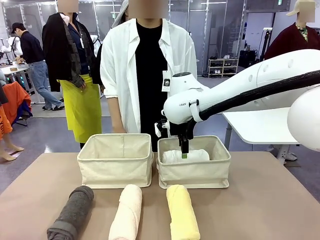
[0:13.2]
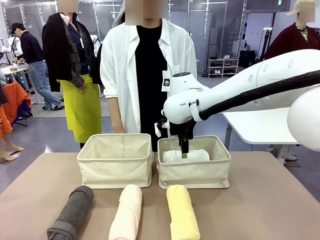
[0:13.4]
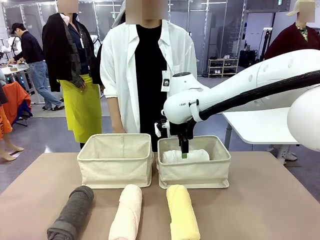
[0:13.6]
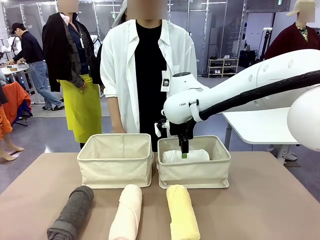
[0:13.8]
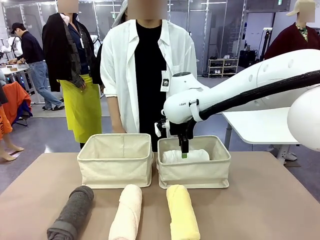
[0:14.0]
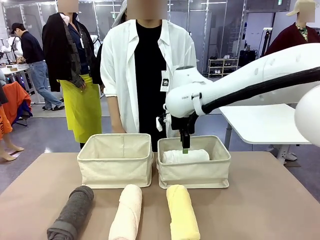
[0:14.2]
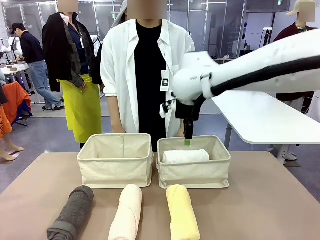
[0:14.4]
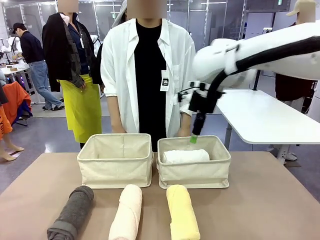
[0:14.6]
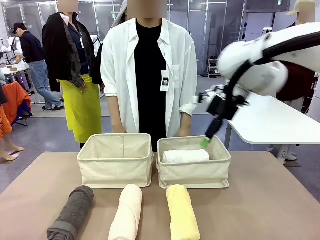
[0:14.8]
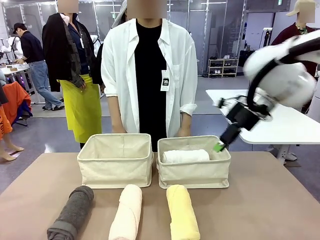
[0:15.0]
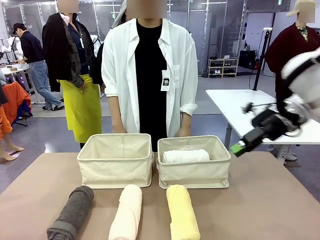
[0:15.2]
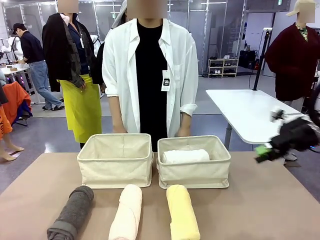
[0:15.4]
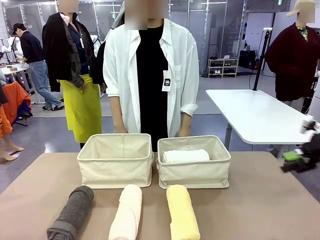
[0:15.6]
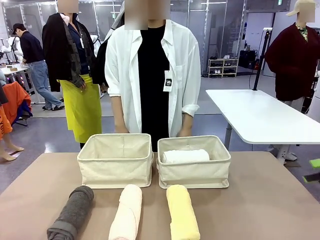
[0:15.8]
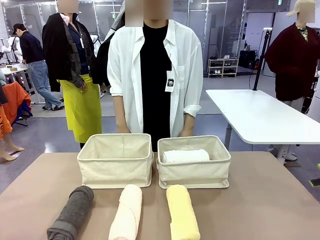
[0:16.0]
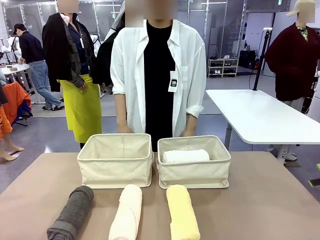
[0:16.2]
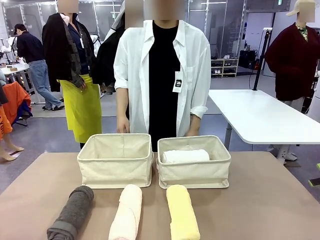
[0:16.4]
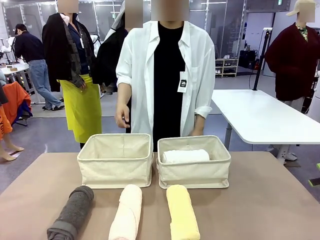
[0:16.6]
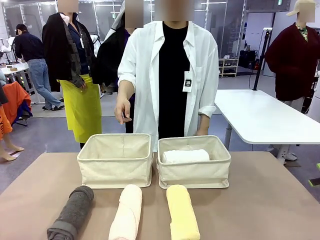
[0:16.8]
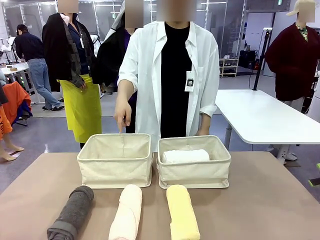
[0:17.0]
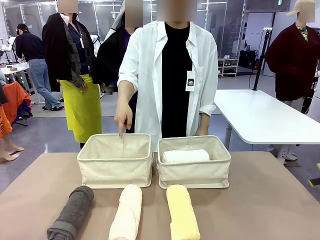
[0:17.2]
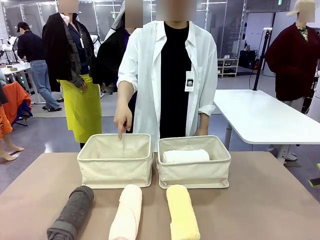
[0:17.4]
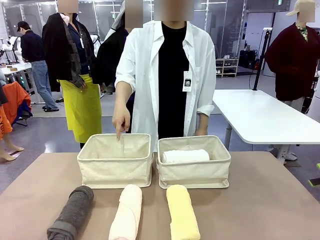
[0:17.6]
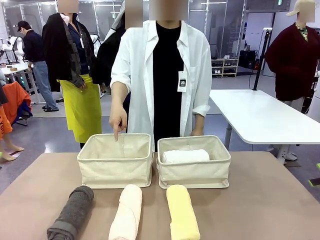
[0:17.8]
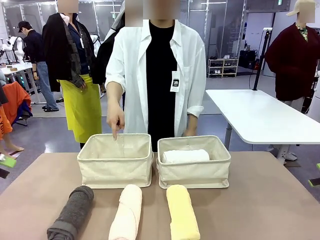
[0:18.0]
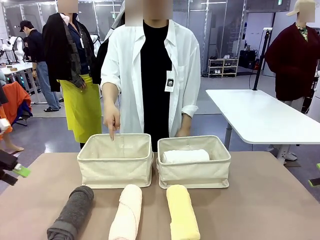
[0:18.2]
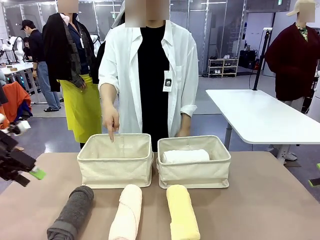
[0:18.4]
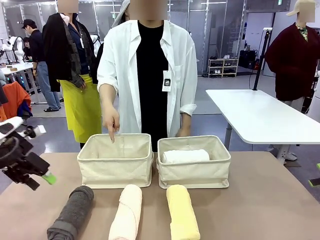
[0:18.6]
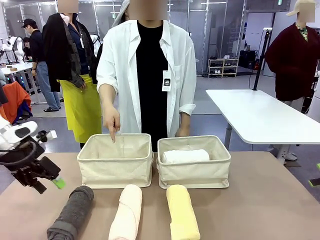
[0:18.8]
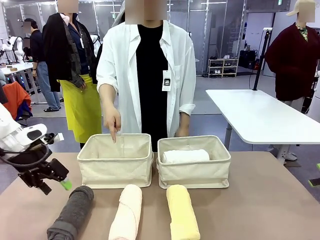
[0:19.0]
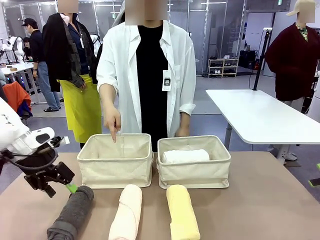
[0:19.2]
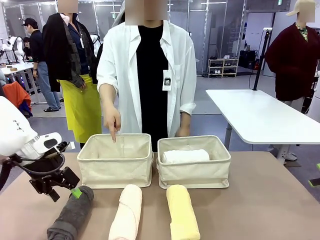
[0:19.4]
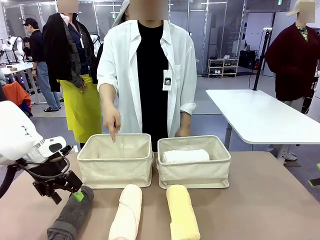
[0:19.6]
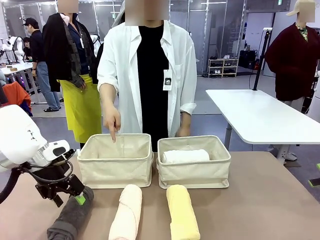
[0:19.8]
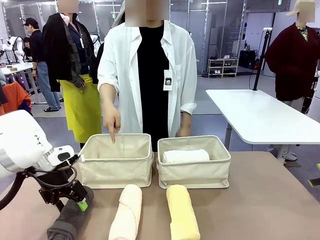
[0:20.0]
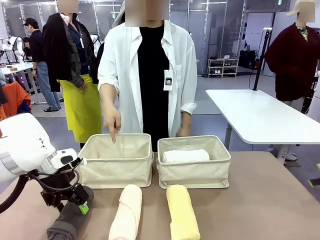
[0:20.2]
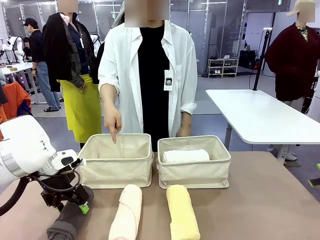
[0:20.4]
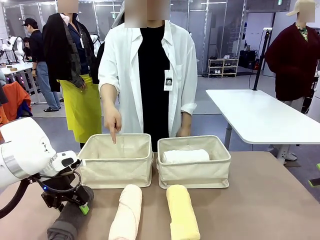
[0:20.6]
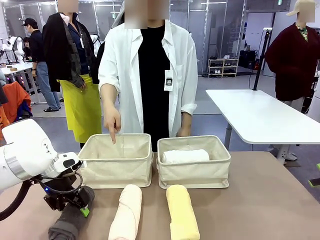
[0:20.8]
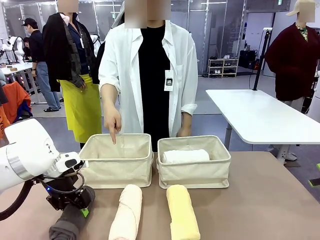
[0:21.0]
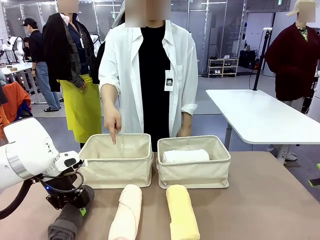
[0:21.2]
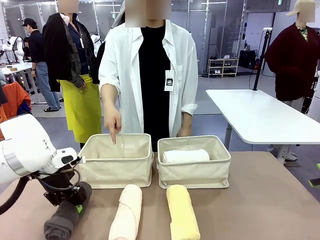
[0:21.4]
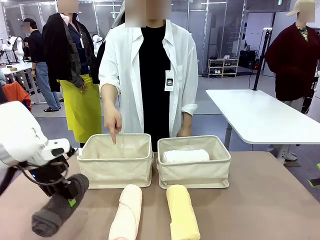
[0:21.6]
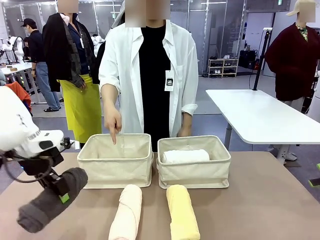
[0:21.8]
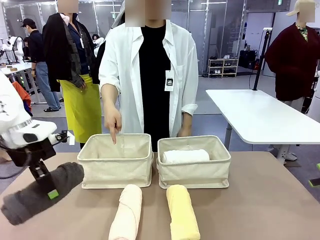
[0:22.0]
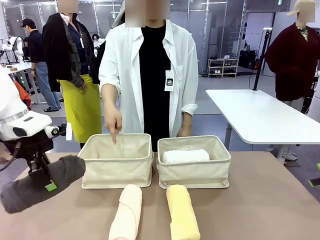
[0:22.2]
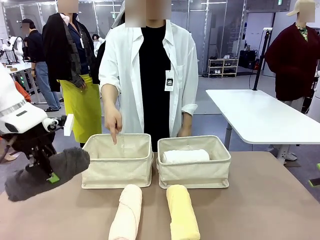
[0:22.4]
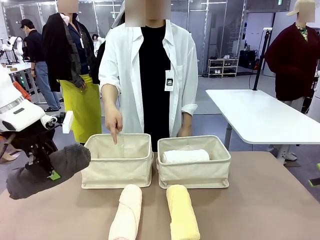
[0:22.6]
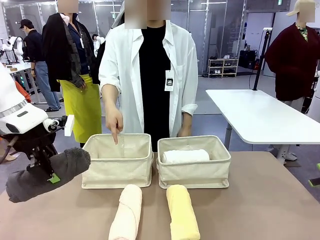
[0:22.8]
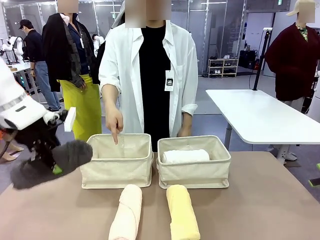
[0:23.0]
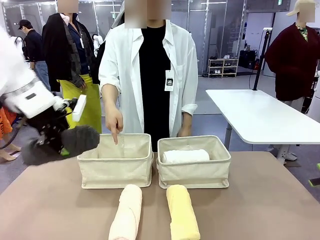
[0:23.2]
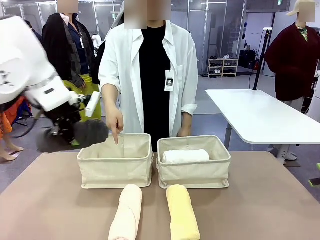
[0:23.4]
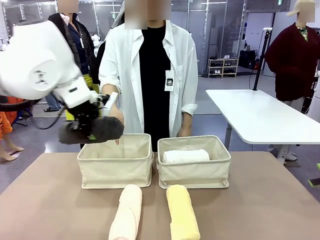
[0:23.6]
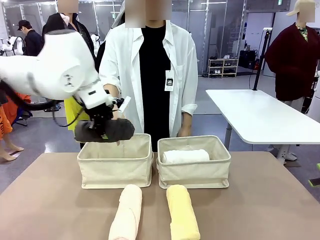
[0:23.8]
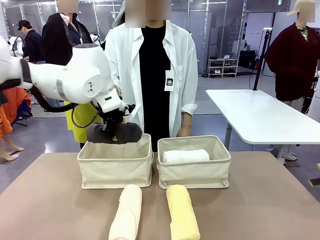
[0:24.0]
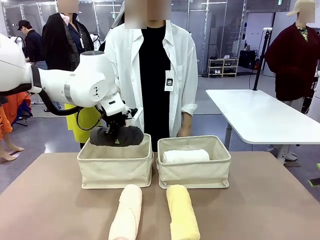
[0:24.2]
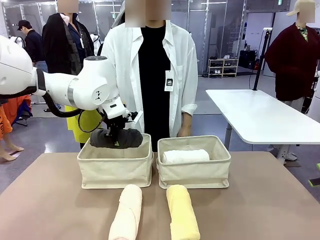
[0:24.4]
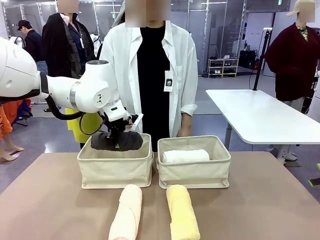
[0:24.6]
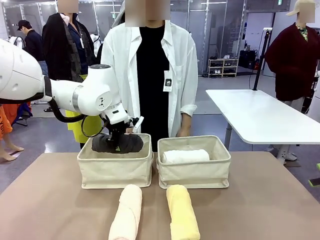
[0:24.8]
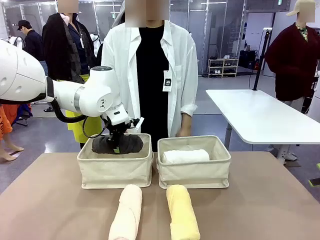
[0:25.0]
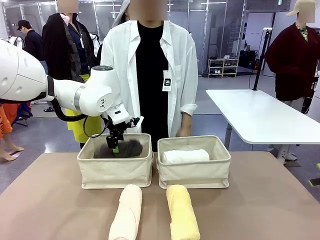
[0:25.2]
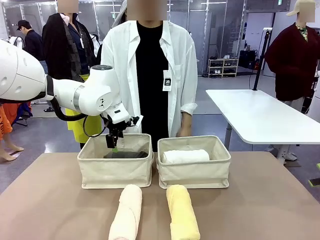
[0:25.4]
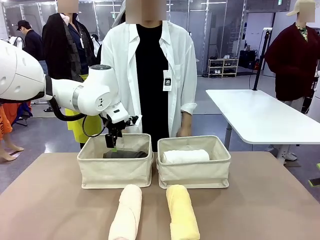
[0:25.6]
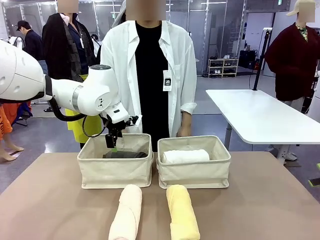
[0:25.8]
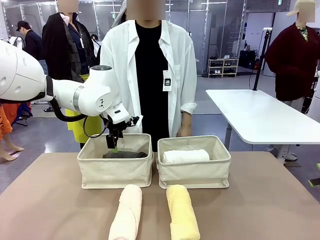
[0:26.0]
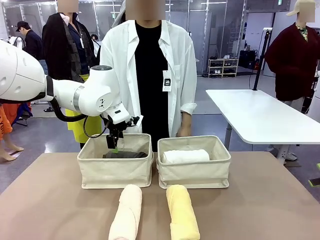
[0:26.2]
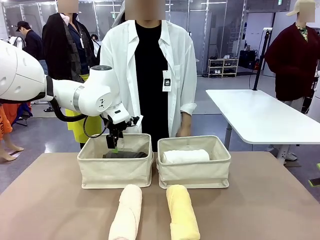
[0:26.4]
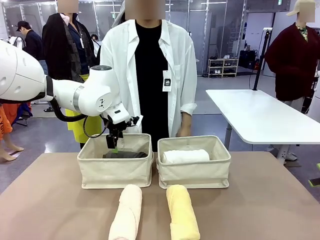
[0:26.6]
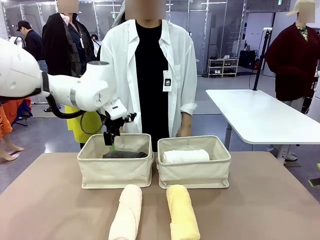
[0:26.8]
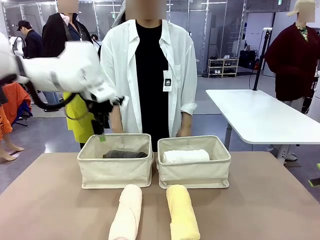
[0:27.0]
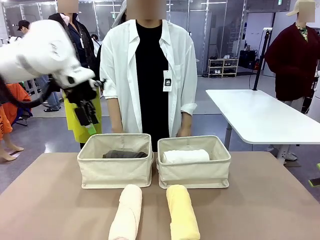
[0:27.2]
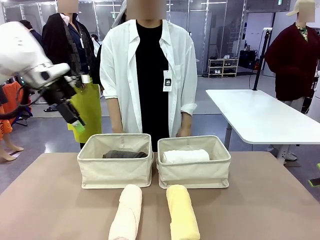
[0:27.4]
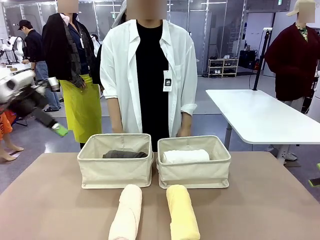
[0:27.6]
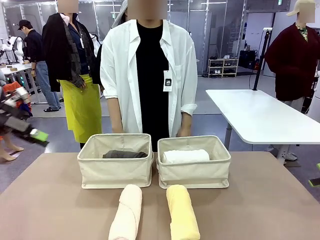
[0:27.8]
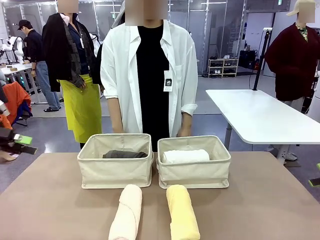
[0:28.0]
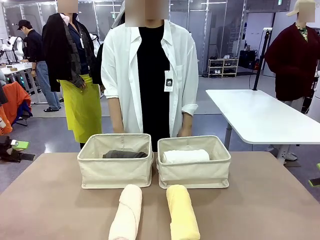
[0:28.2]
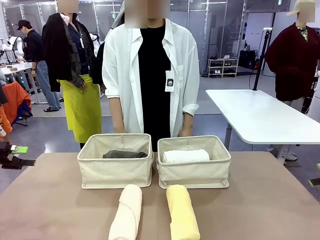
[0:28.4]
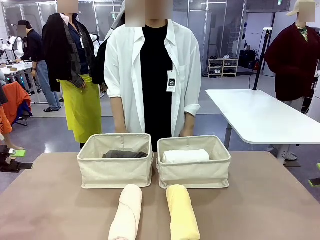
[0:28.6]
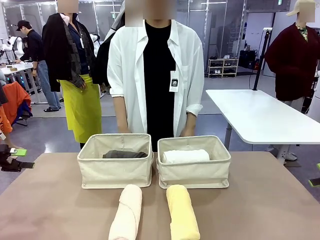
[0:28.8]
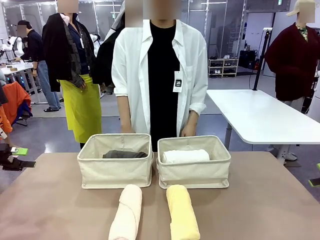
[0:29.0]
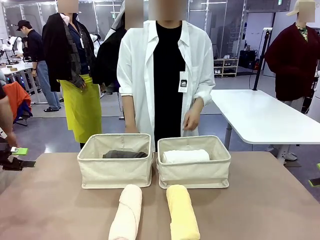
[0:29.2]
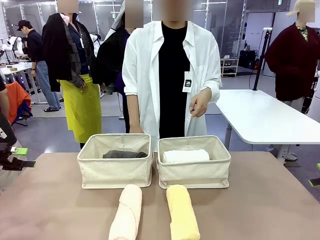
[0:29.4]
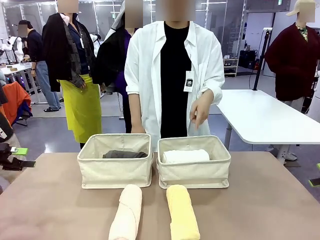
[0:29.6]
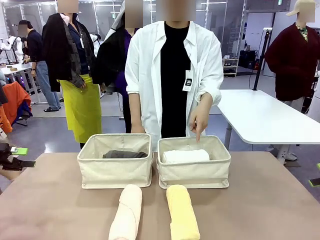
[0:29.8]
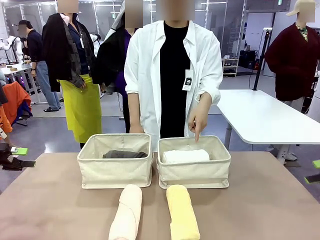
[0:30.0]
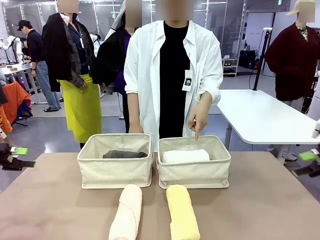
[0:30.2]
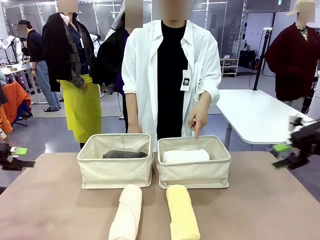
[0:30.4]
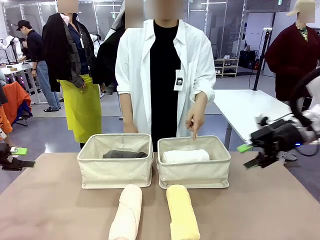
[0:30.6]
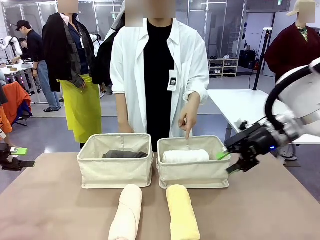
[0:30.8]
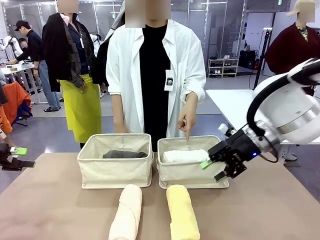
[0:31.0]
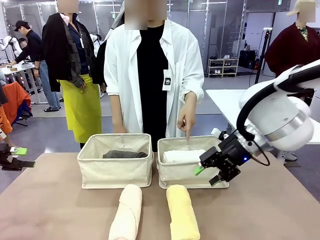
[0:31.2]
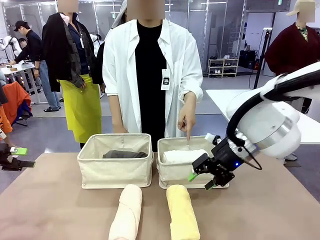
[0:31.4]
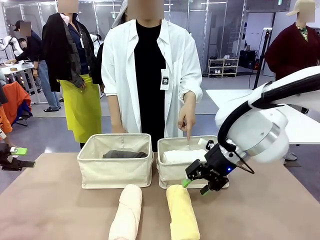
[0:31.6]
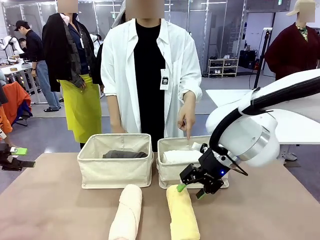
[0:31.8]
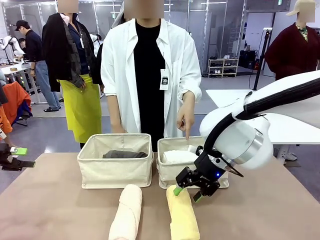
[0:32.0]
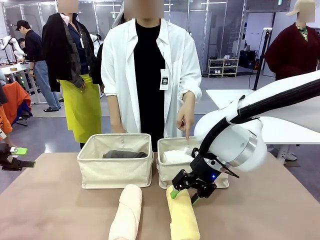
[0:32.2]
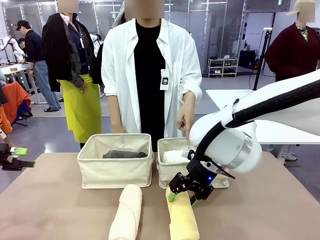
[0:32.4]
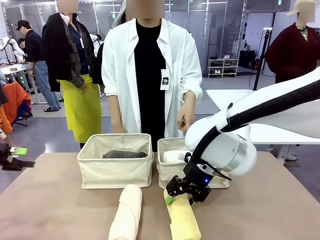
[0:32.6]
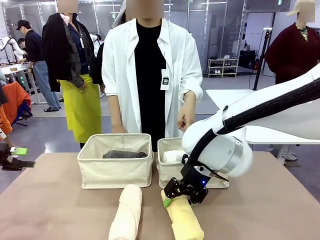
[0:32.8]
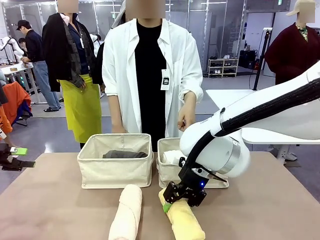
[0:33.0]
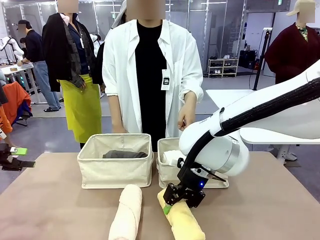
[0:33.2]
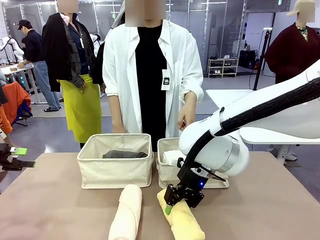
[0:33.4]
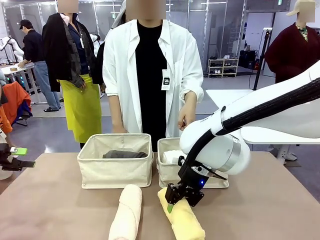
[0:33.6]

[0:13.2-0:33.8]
Task: Divide the towels into two baskets.
Robot: Pick up one hotel-folded towel from the bottom of the table and place it in the Fabric basket indicated by the person.
